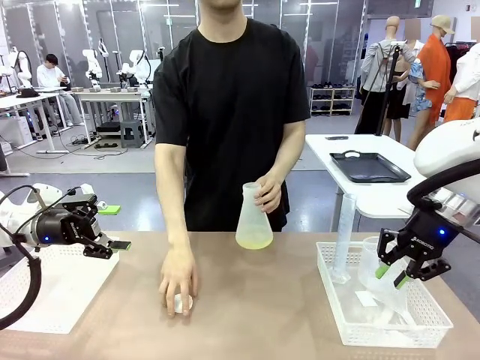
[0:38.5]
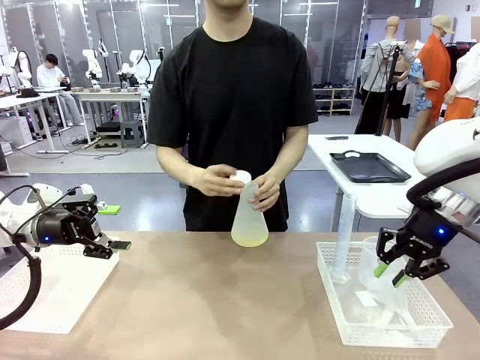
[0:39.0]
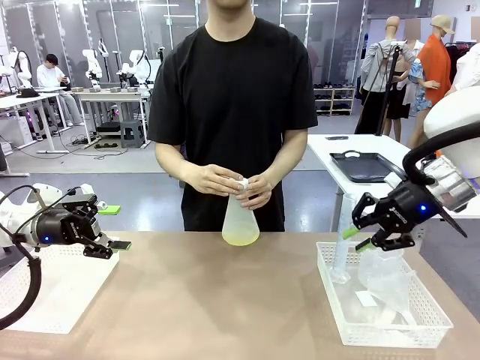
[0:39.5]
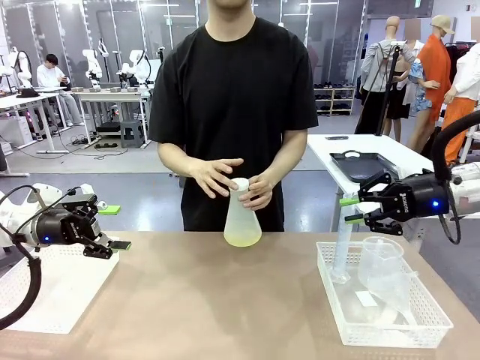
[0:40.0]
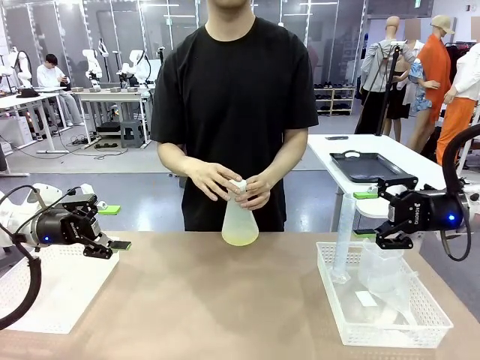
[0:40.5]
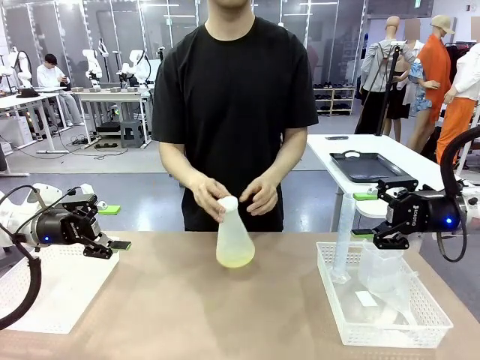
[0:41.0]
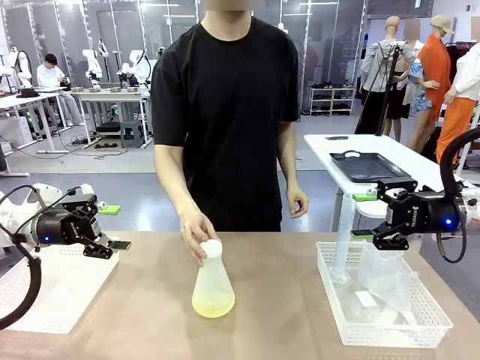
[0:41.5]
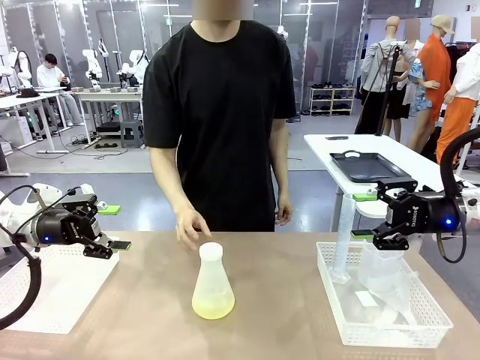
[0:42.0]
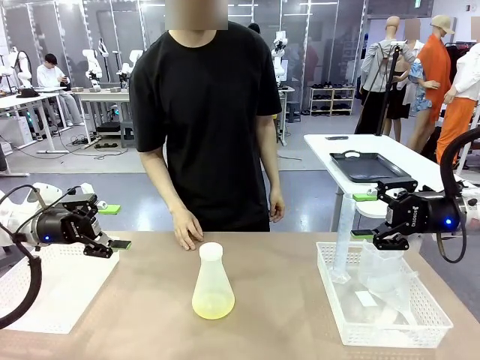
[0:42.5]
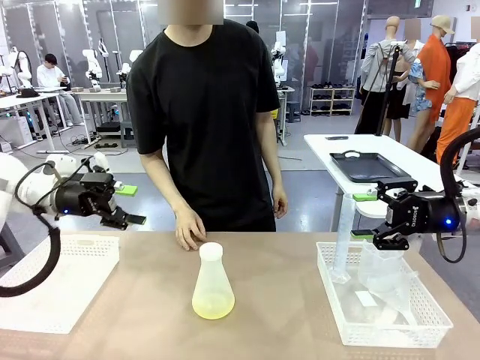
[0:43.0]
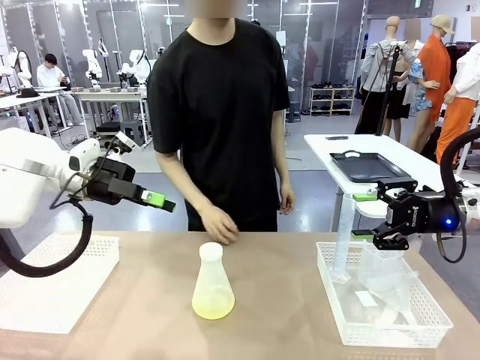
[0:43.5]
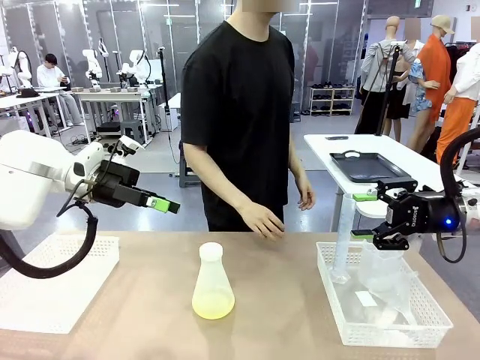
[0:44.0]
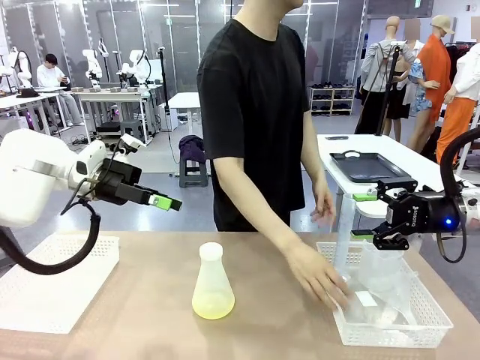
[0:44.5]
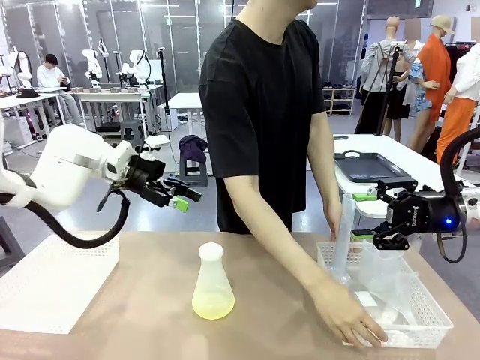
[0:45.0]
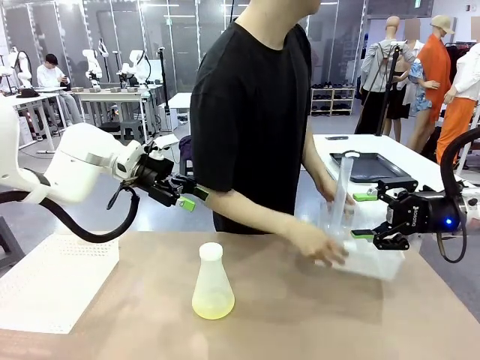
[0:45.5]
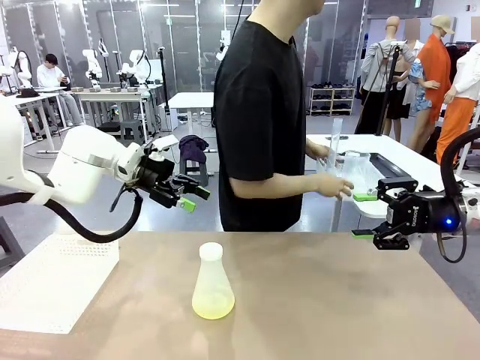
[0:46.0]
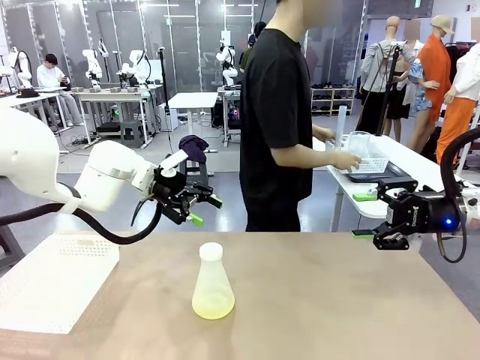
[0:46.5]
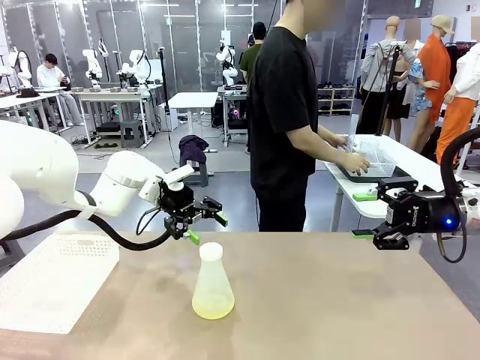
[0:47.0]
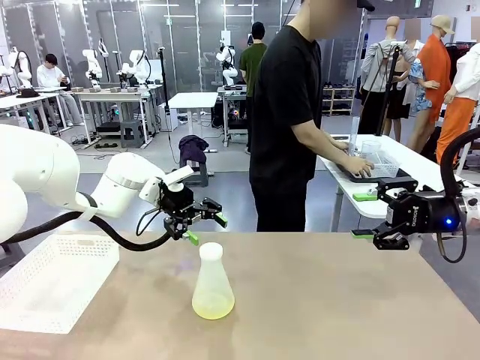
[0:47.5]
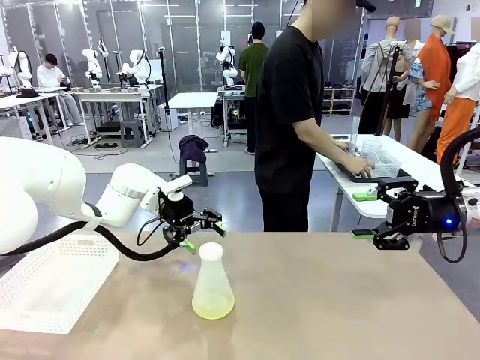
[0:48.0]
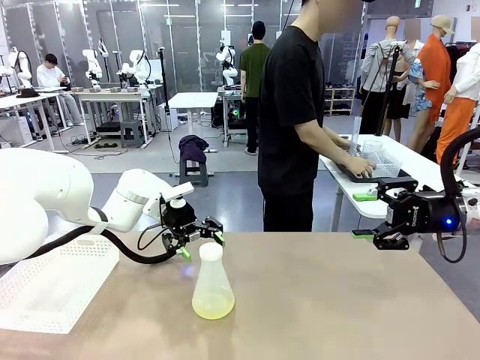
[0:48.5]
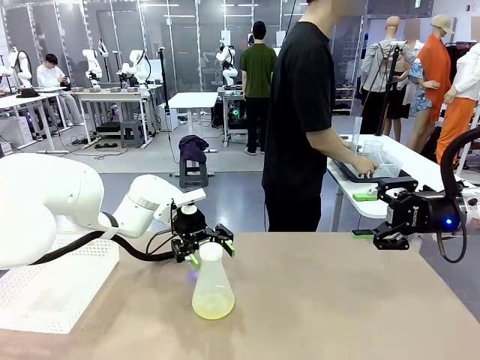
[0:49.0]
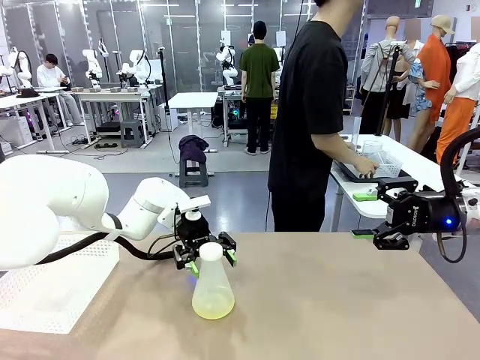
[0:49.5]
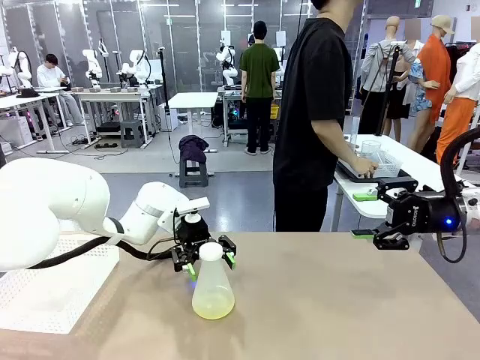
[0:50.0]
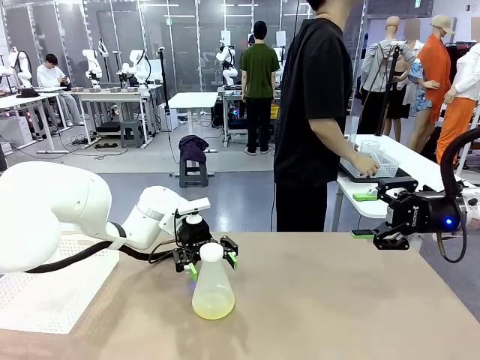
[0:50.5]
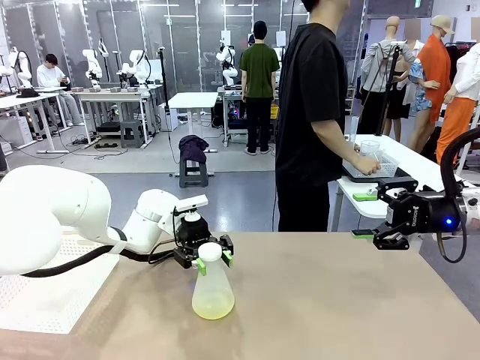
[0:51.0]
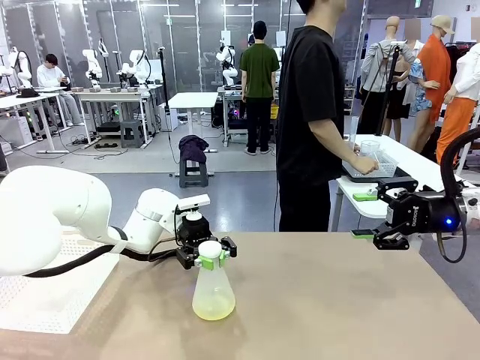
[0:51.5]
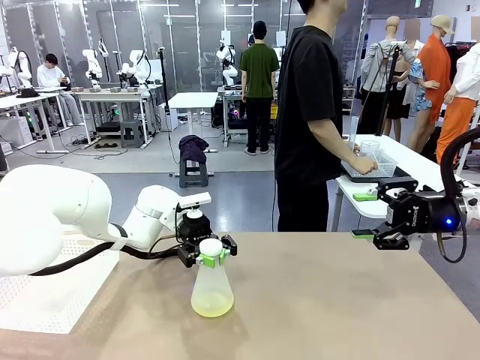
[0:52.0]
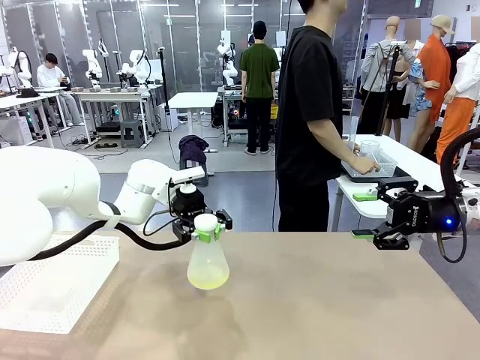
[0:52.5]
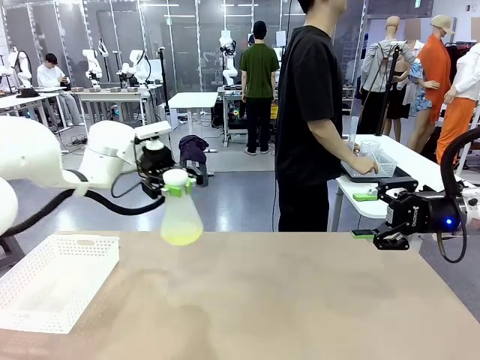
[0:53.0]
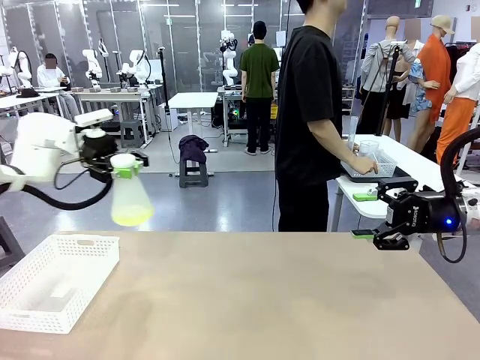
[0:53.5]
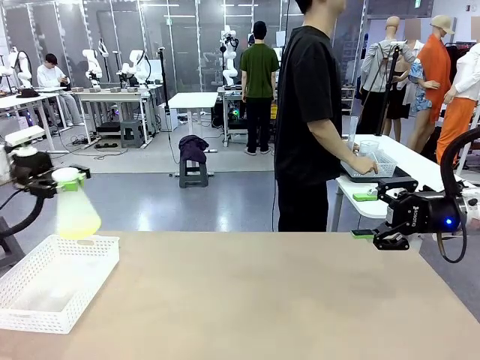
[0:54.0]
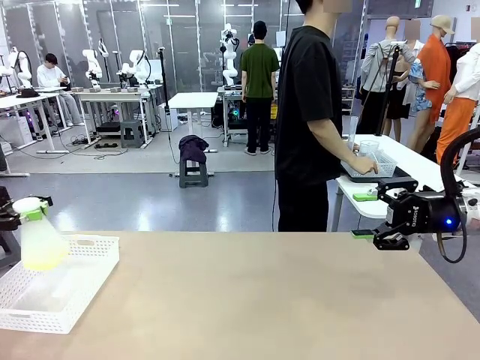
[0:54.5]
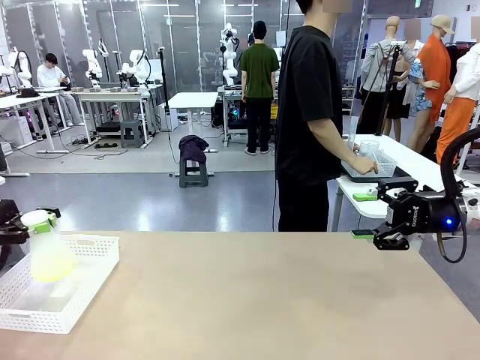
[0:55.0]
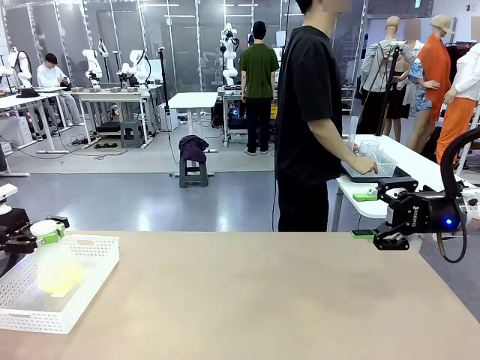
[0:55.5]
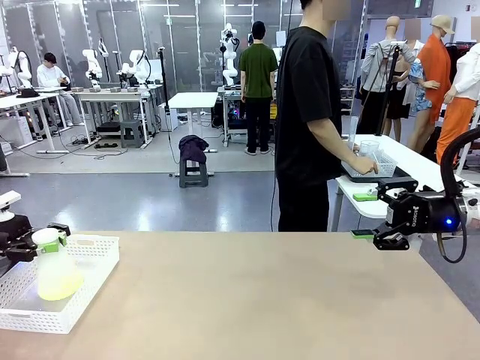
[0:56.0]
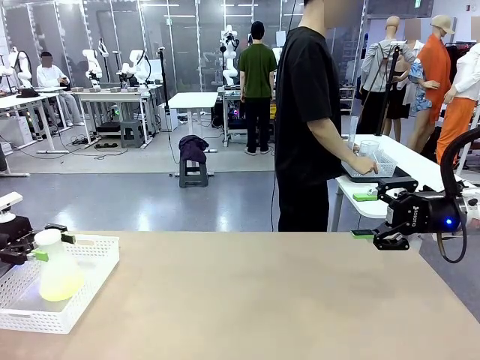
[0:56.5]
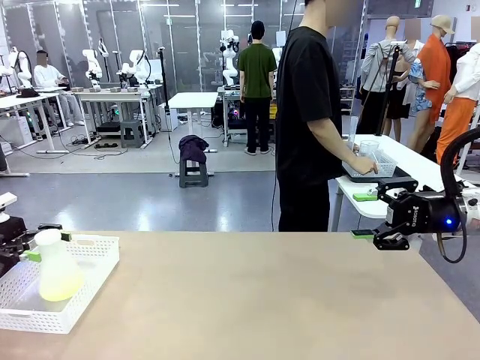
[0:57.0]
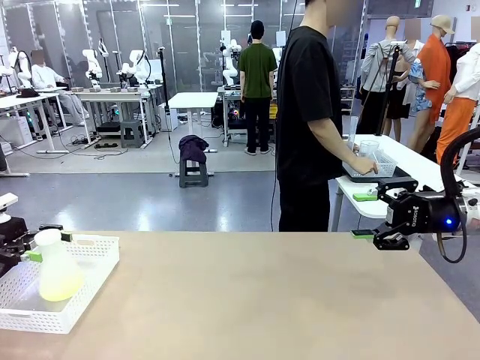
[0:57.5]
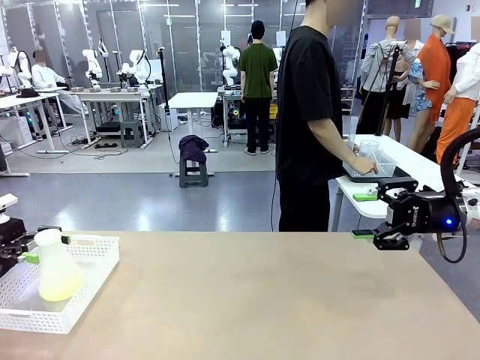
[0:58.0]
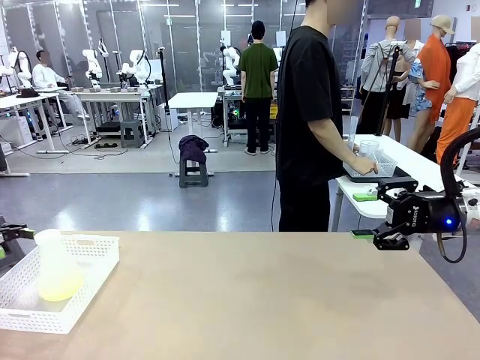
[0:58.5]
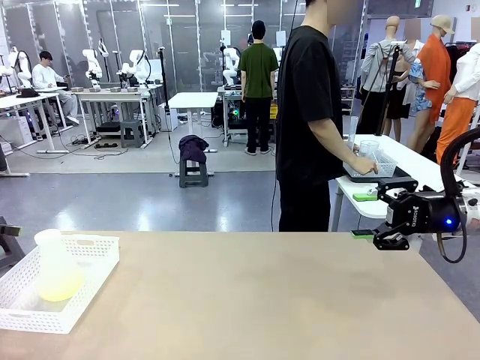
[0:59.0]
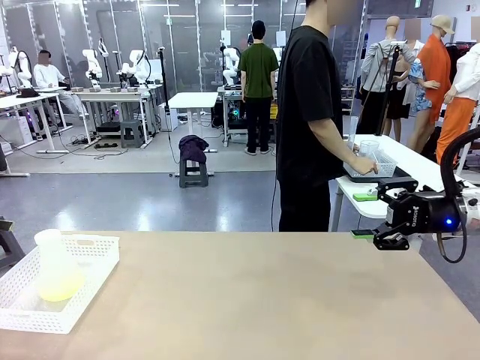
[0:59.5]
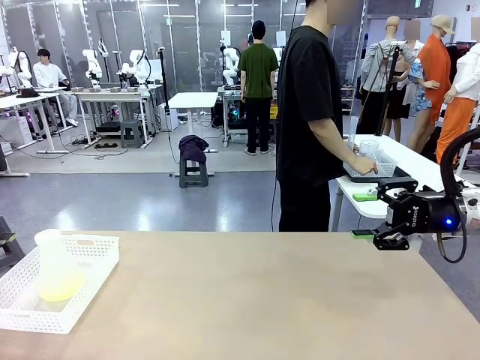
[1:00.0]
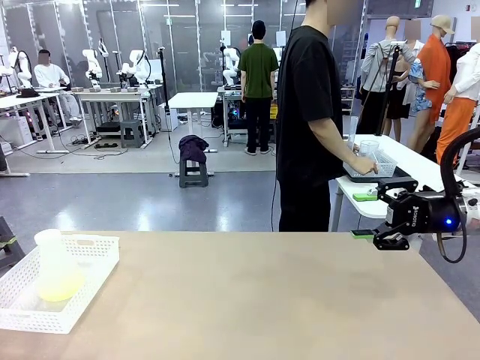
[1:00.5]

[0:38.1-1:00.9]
Task: Prepare the solutions needed for the experiment.
Robot: When the human places the Big flask in the center of the table, pick up the Big flask and place it in the left Organizing basket.
Person: Pick up the organizing basket on the left side of the robot table and place it on the left side of the human table.

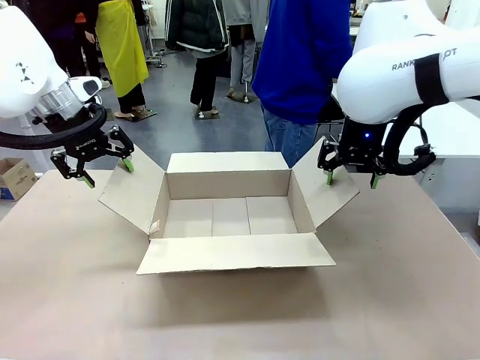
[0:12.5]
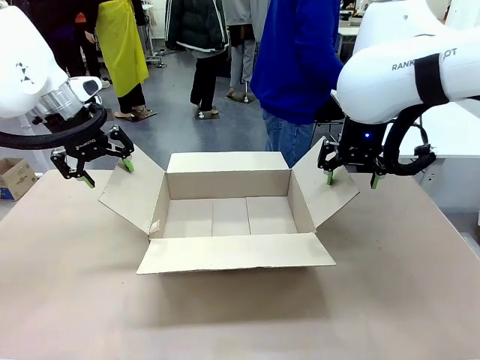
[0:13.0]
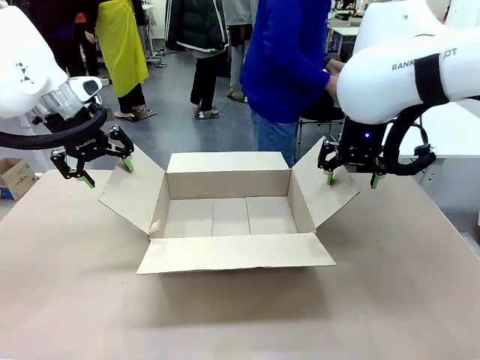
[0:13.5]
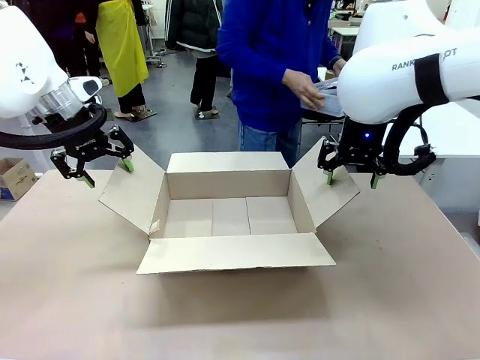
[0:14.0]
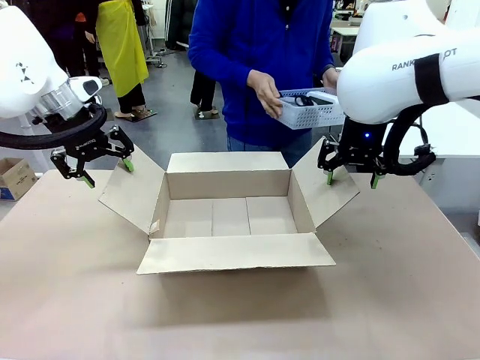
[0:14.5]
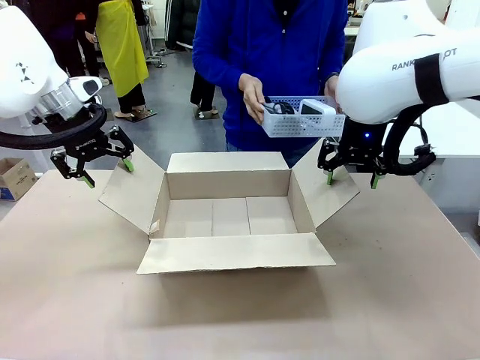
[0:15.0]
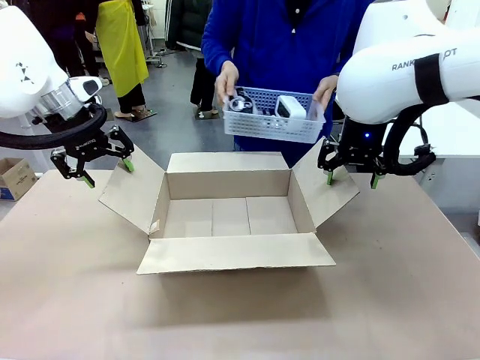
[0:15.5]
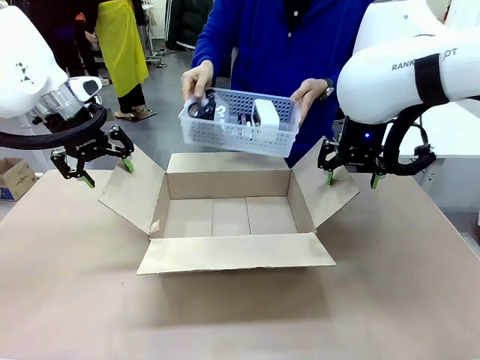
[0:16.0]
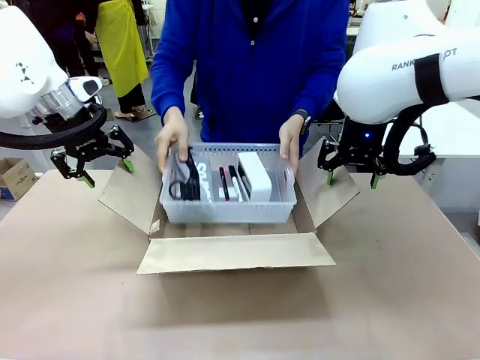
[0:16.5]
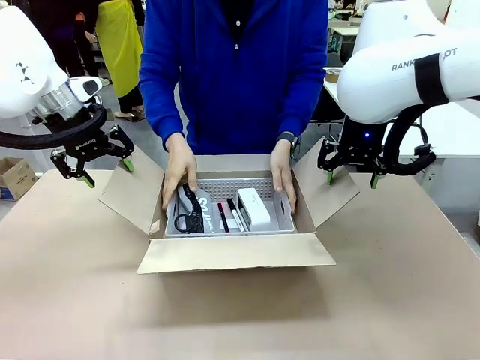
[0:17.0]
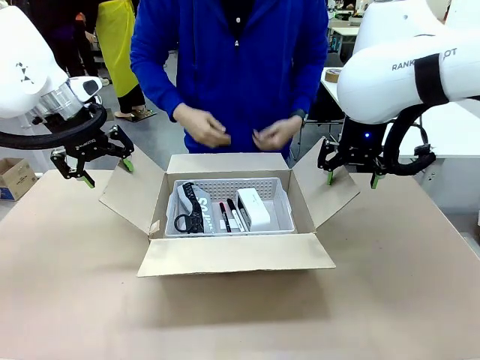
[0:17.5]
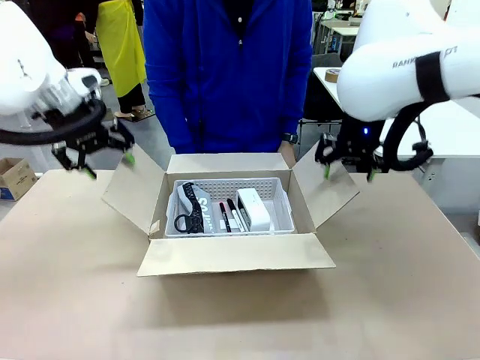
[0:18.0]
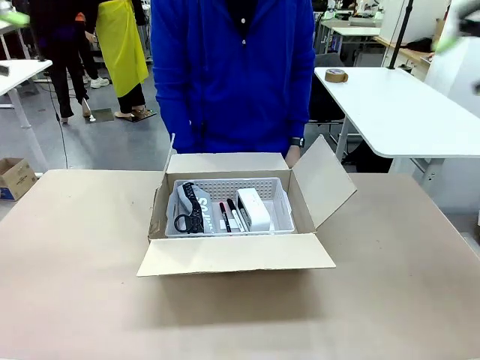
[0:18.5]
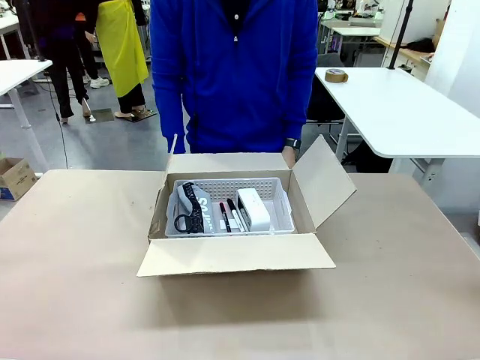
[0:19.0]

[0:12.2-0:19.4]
Task: Pack the gift set into the box.
Robot: Lift both hands away from the flaps of the Package Box.
Person: The human picks up the organizing basket and places the organizing basket into the package box on the robot table.
